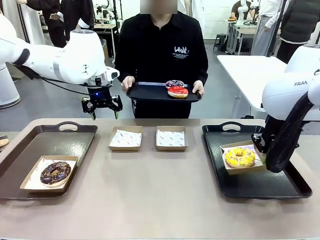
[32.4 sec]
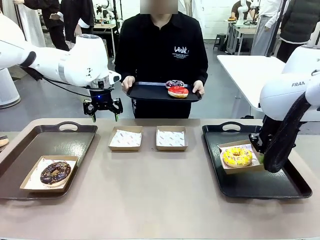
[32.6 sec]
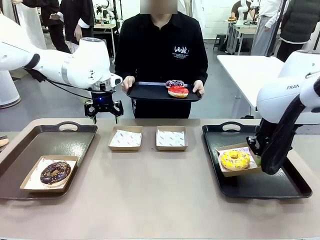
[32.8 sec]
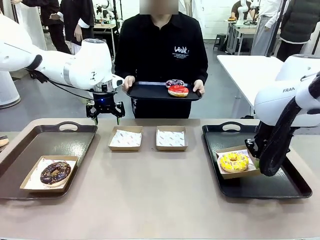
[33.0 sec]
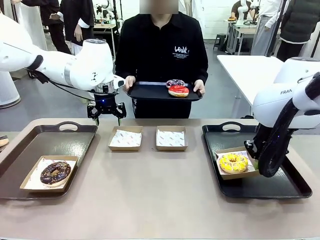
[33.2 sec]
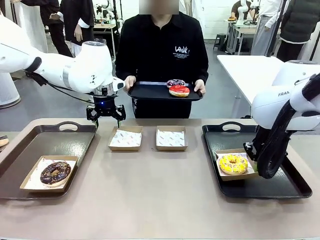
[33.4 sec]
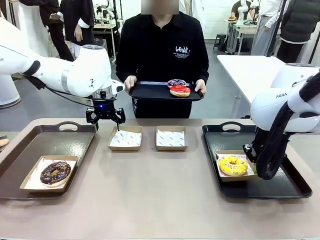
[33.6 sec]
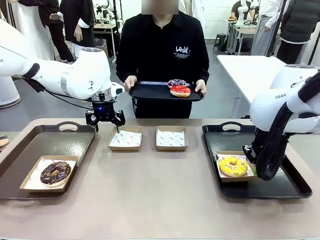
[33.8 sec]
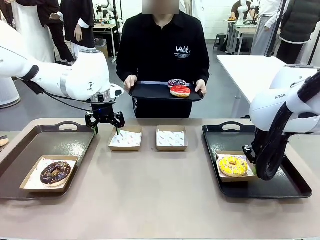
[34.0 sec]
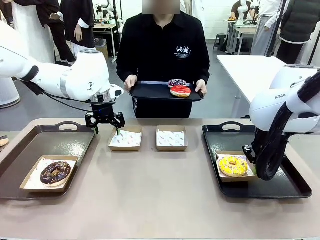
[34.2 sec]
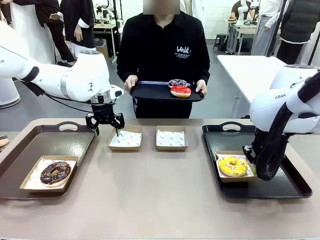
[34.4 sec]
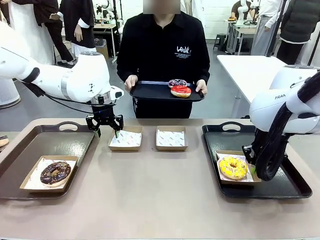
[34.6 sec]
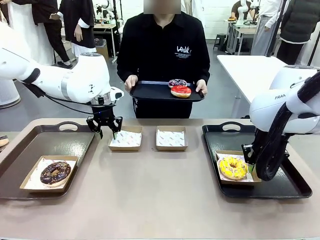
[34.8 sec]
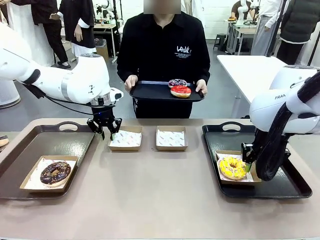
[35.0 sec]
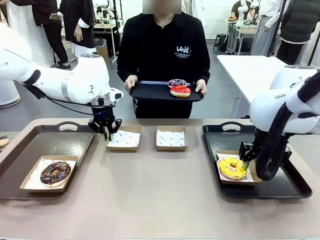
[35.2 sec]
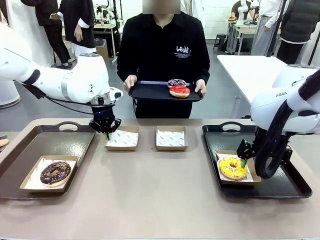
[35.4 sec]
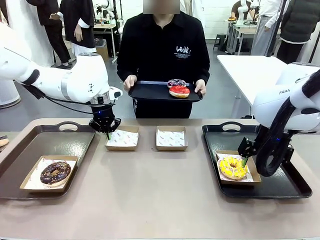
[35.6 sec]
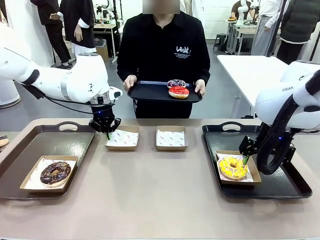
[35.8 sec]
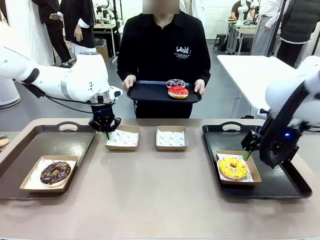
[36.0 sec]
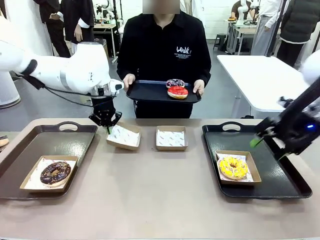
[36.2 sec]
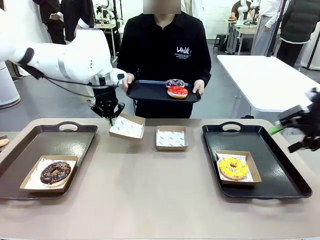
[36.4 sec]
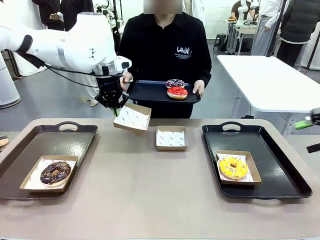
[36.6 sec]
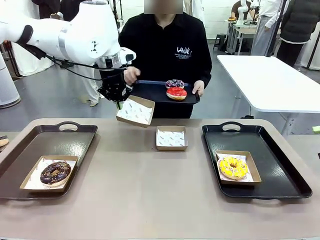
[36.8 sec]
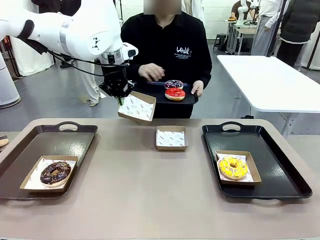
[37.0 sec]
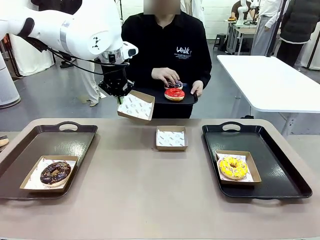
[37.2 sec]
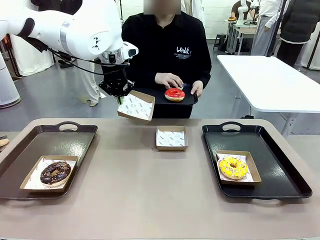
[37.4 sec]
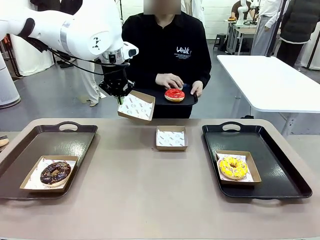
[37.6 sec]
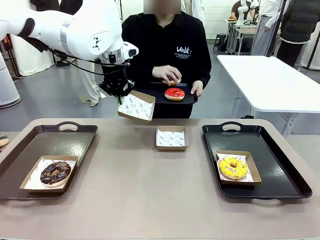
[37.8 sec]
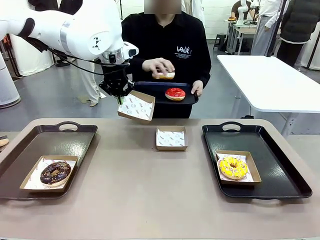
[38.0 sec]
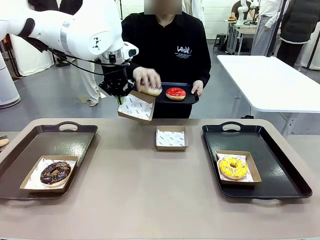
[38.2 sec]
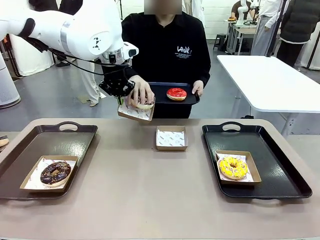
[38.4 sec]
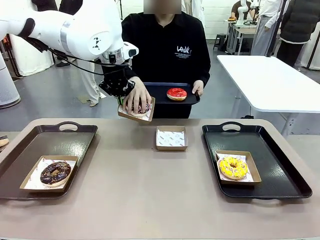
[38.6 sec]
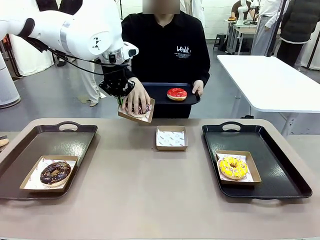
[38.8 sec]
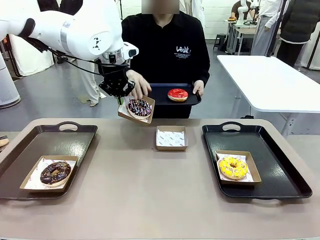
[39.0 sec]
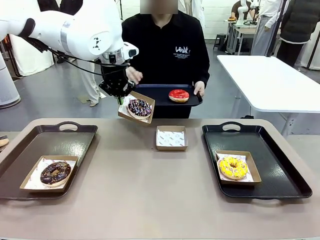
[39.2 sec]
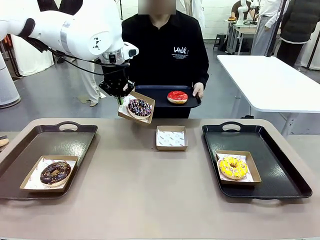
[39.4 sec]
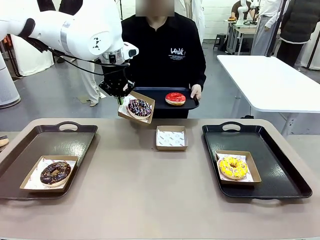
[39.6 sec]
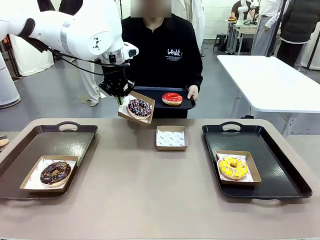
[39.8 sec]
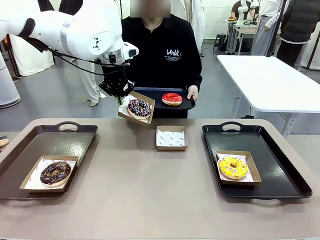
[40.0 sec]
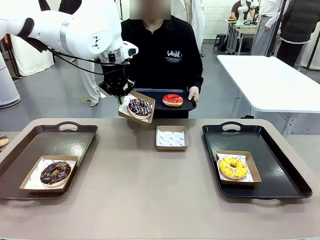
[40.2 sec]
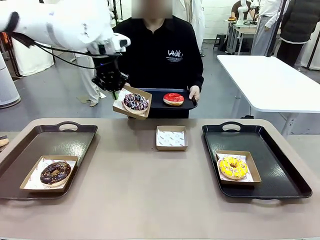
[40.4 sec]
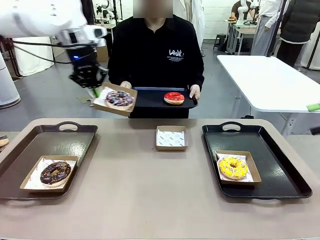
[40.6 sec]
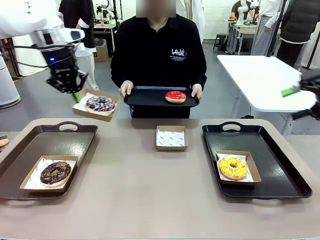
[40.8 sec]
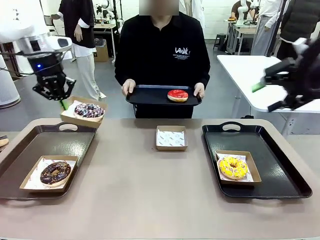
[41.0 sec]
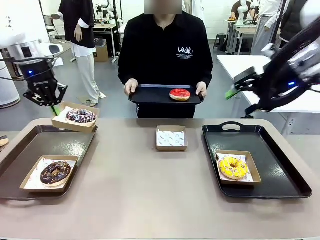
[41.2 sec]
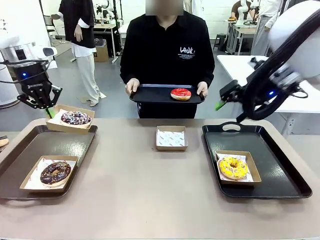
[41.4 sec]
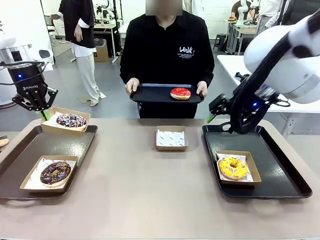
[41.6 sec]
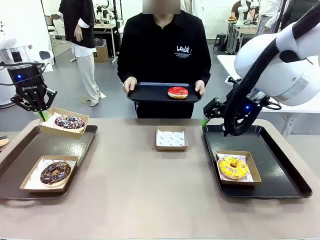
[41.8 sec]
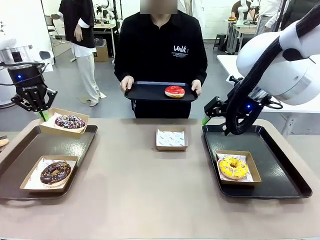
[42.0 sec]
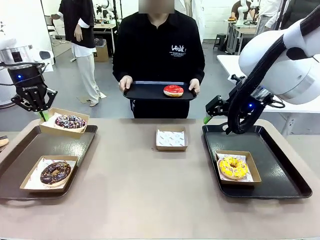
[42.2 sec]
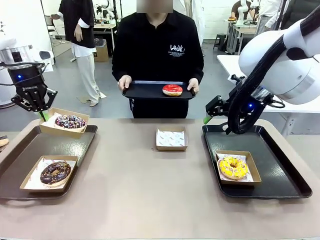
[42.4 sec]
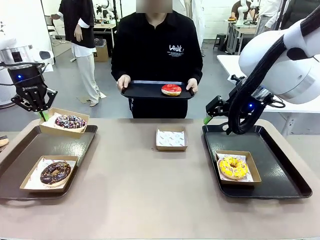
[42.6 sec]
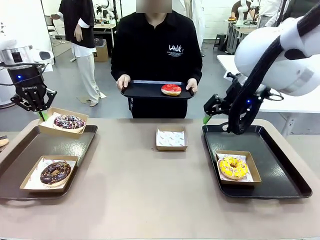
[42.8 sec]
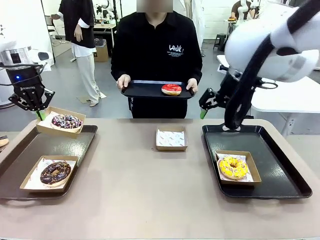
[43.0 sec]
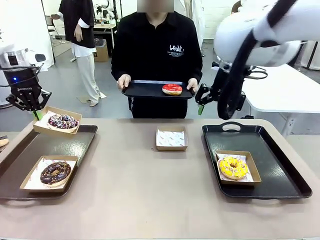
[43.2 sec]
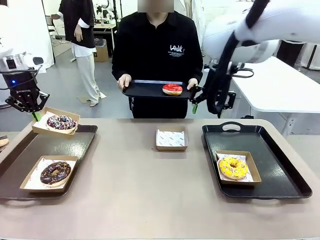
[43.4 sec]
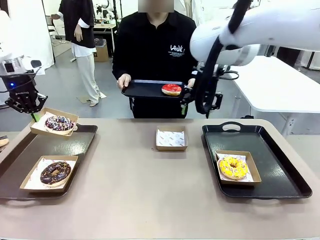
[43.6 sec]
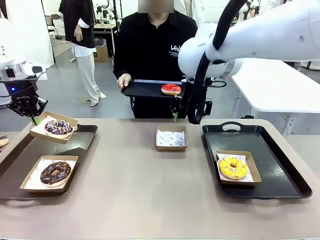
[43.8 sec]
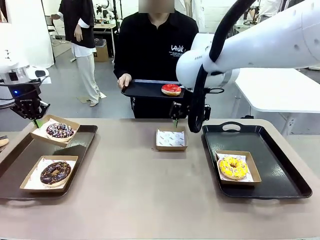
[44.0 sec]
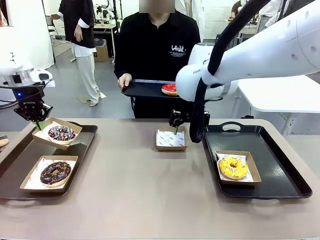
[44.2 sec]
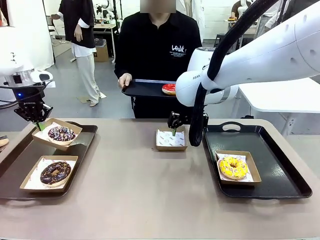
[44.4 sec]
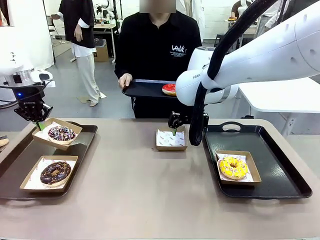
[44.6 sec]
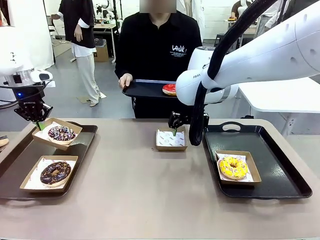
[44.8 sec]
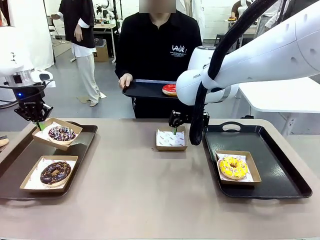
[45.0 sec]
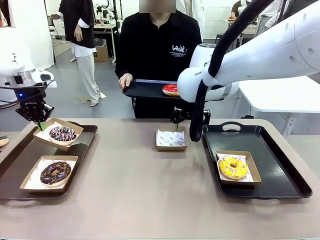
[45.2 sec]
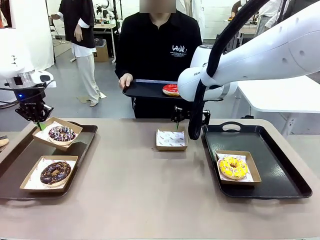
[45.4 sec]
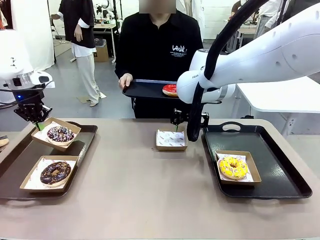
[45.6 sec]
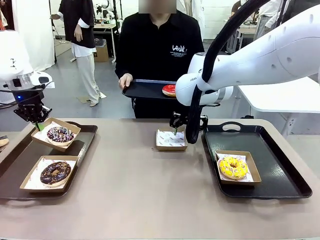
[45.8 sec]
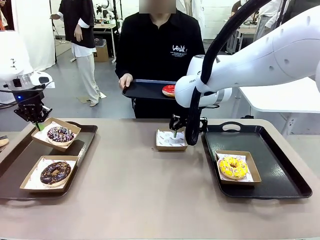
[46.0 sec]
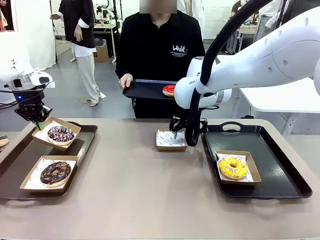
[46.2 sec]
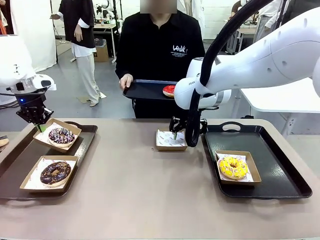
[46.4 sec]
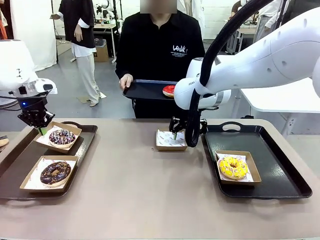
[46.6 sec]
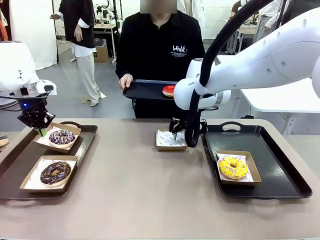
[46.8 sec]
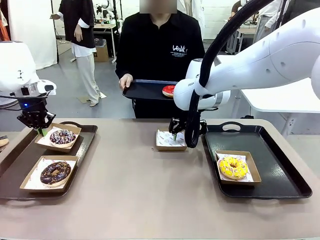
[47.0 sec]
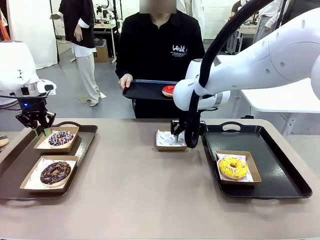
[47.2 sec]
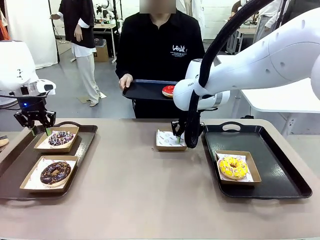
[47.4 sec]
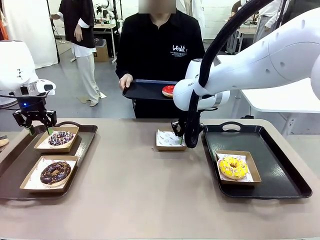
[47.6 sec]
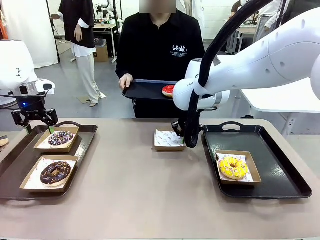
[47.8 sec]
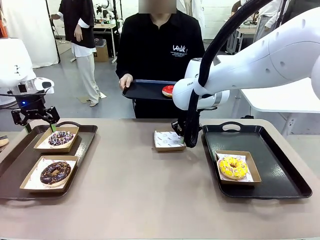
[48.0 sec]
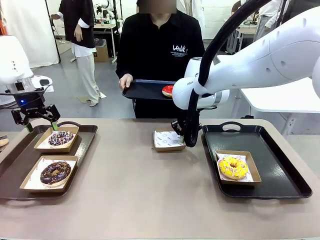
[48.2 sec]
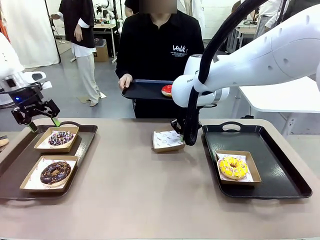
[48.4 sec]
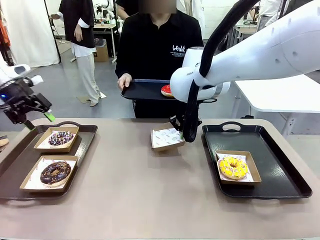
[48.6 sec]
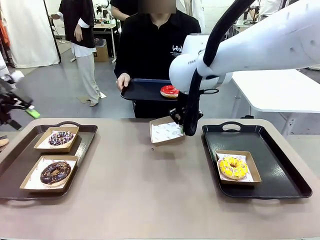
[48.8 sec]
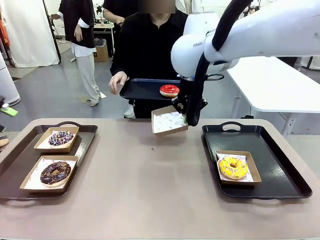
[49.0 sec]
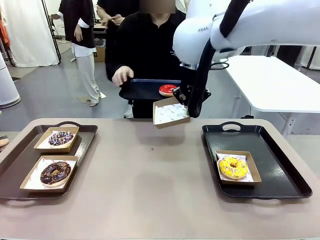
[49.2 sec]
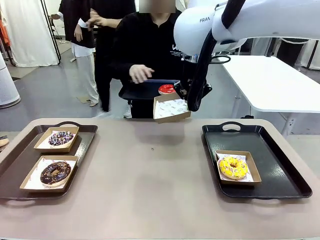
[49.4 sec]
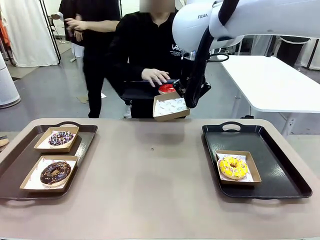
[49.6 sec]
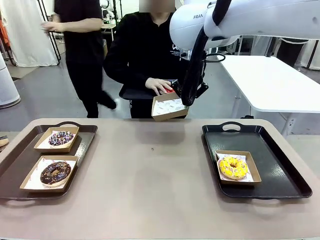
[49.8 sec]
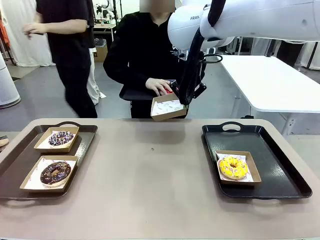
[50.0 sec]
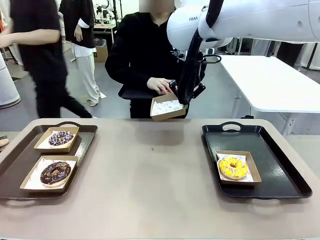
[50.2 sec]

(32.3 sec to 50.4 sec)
Task: Individually package the donuts and arrange them on the tray.
Robot: Place the picked Paper togo box on the Handle tray while simultaneously picking up another Paper togo box from the table with the other hand.
